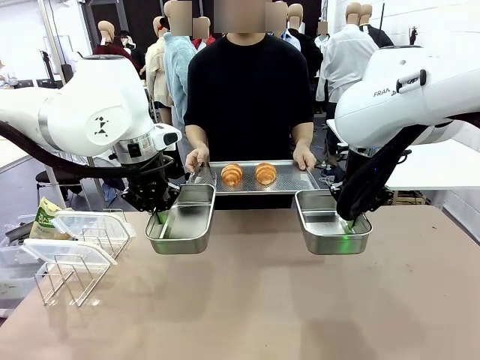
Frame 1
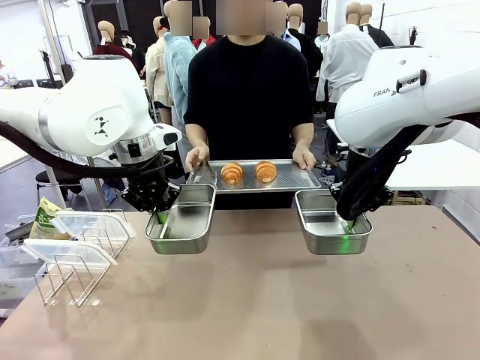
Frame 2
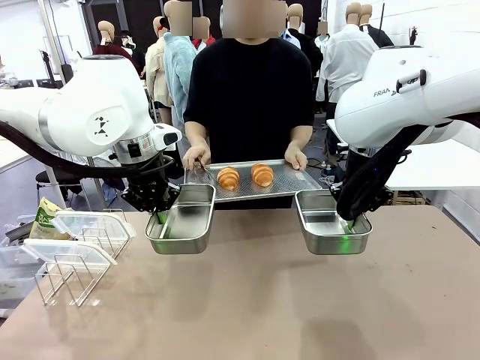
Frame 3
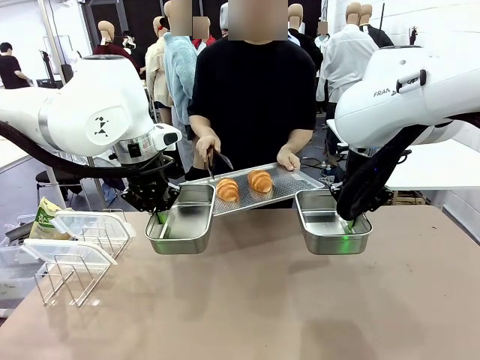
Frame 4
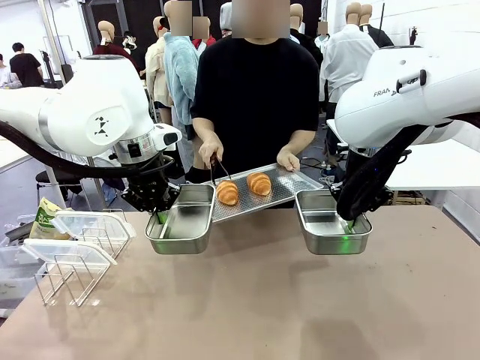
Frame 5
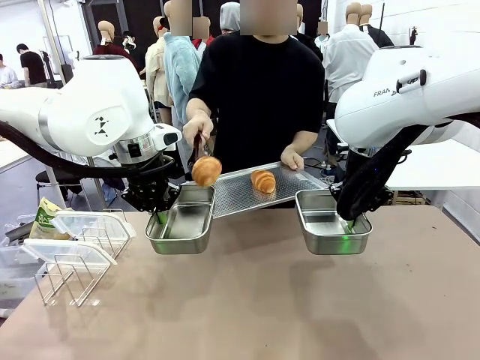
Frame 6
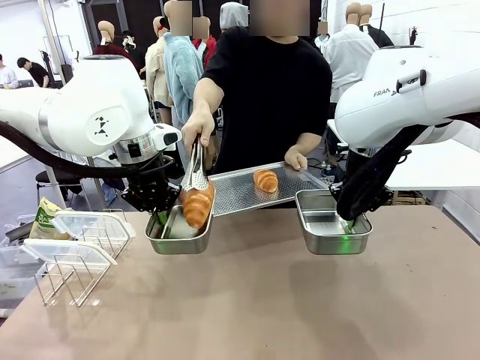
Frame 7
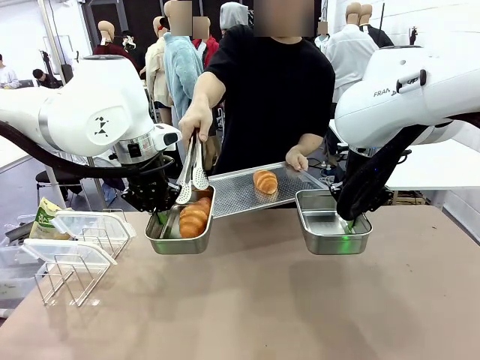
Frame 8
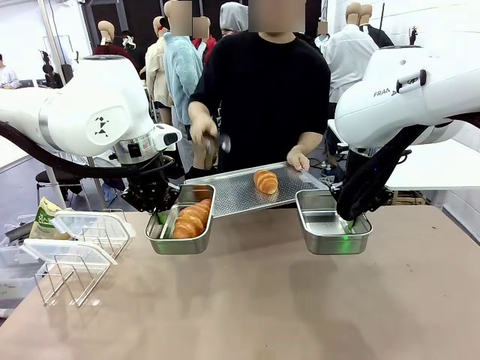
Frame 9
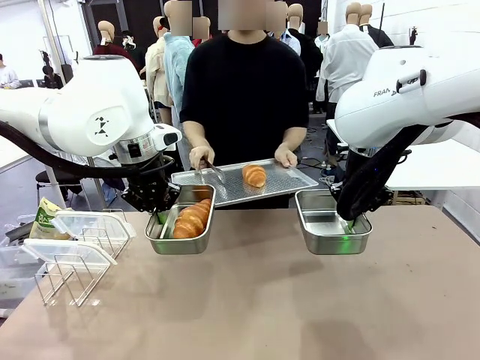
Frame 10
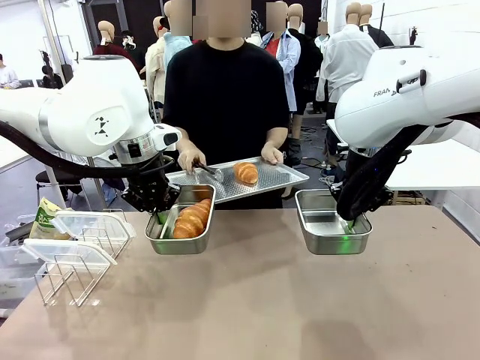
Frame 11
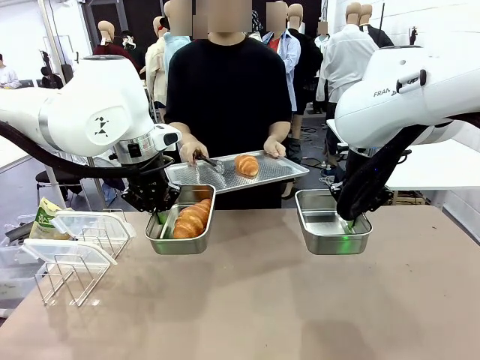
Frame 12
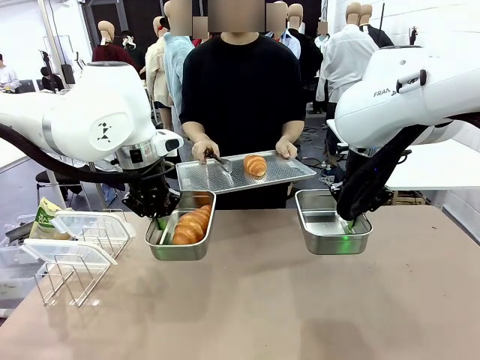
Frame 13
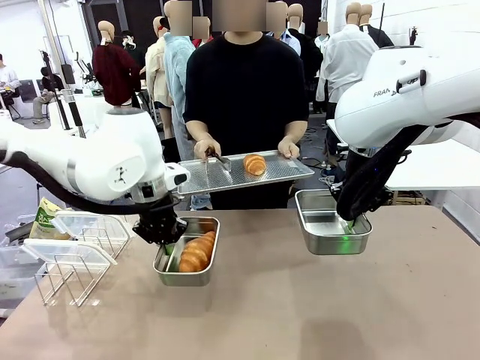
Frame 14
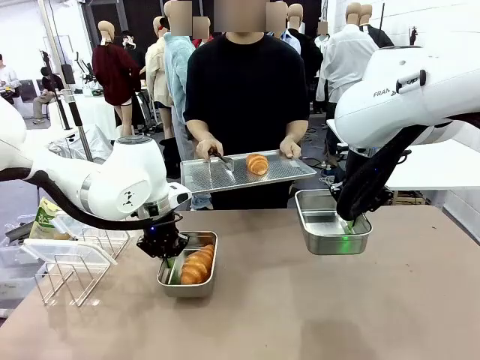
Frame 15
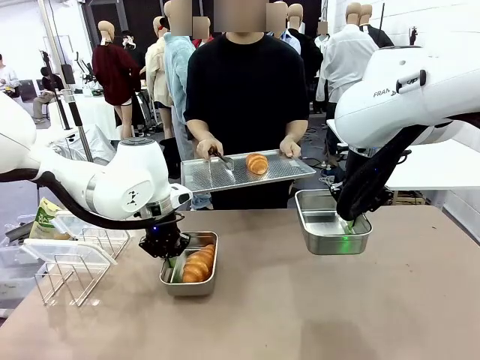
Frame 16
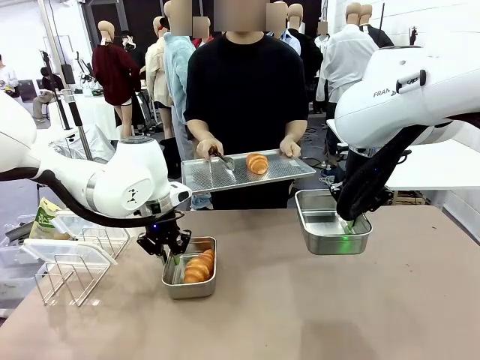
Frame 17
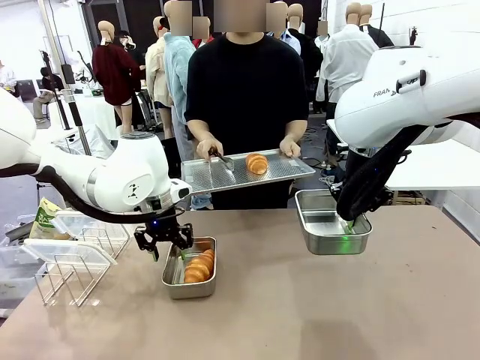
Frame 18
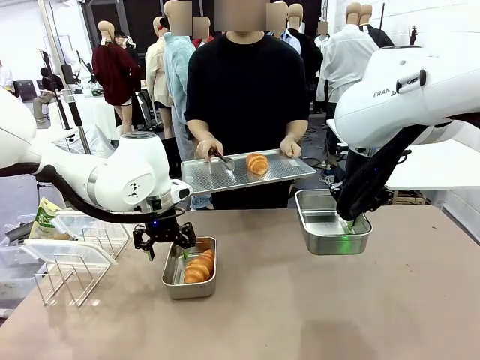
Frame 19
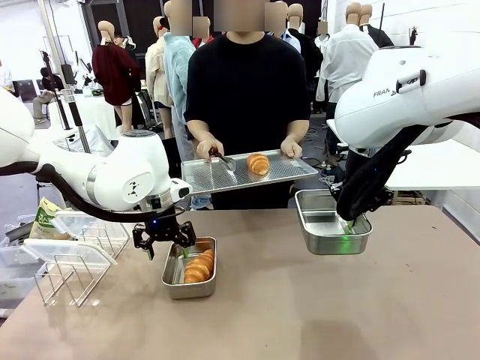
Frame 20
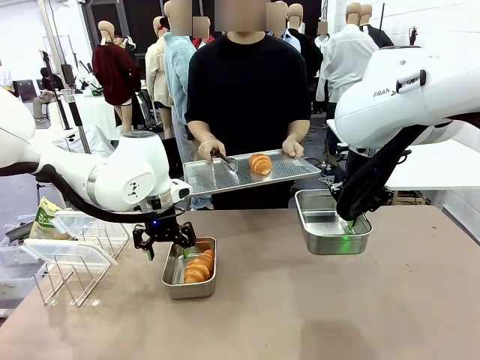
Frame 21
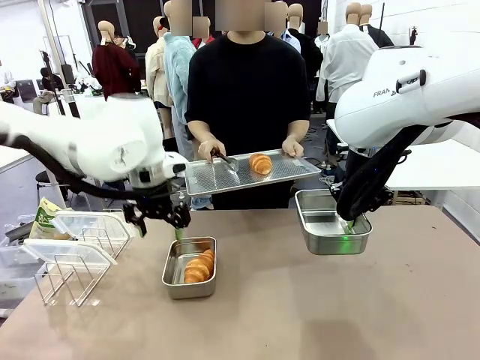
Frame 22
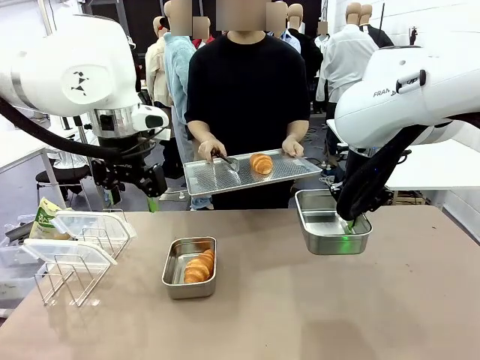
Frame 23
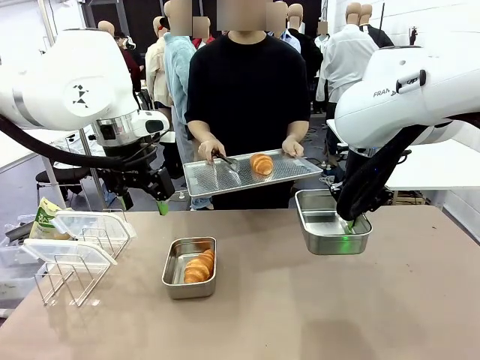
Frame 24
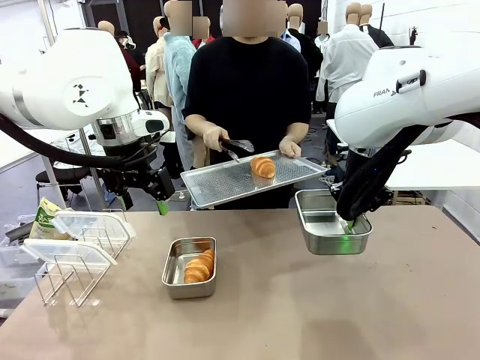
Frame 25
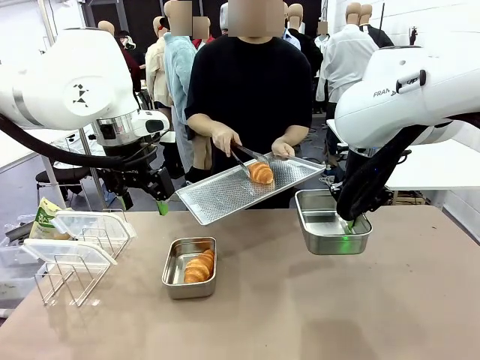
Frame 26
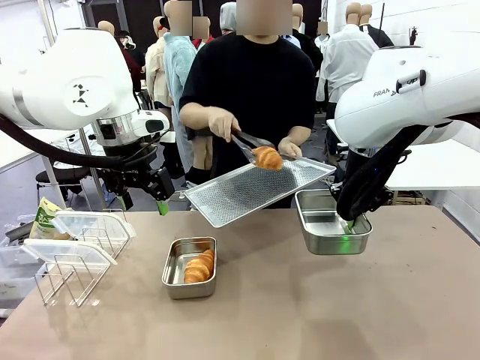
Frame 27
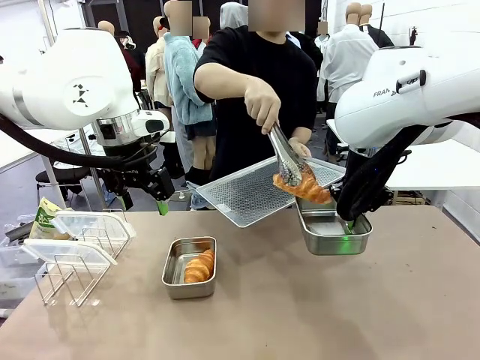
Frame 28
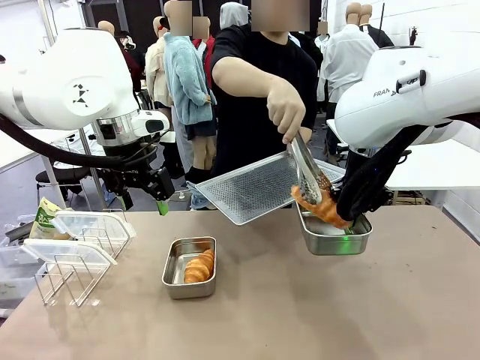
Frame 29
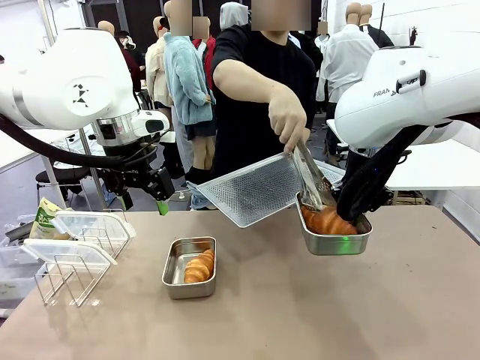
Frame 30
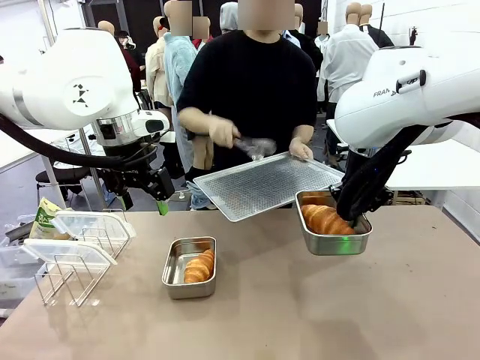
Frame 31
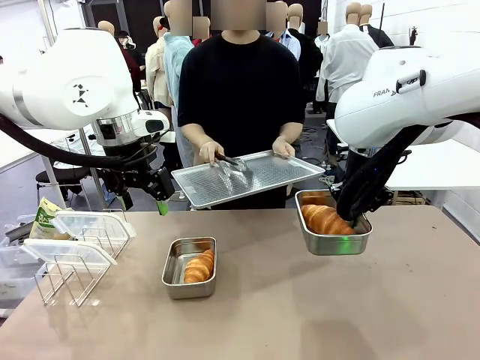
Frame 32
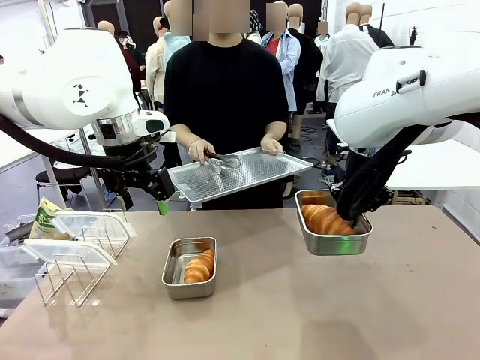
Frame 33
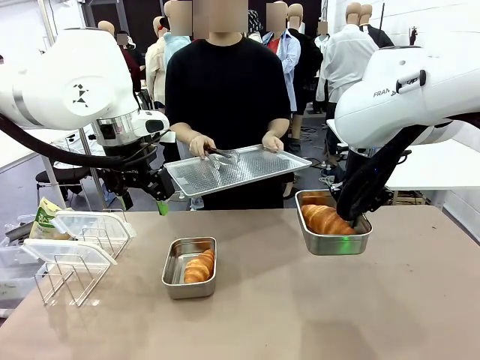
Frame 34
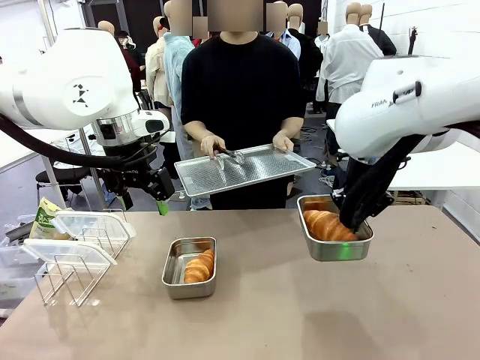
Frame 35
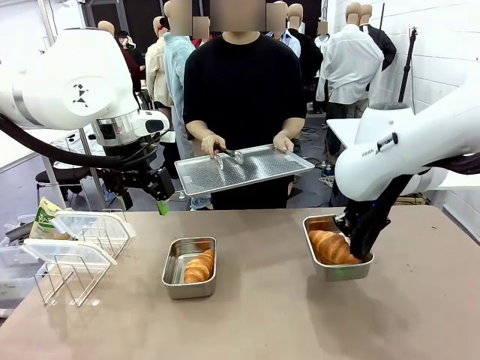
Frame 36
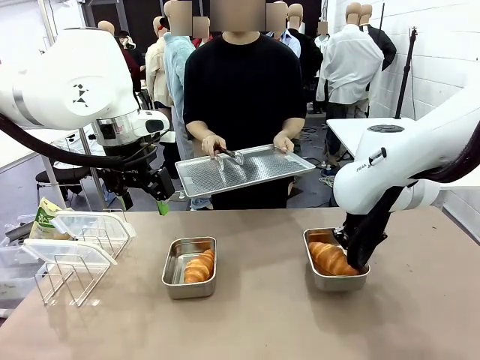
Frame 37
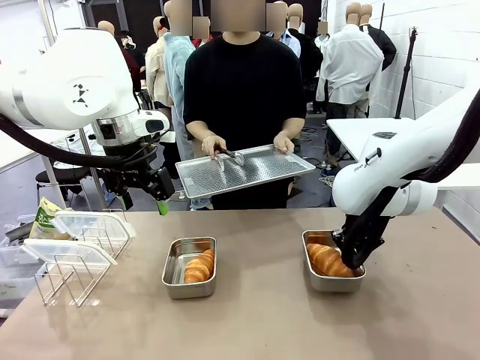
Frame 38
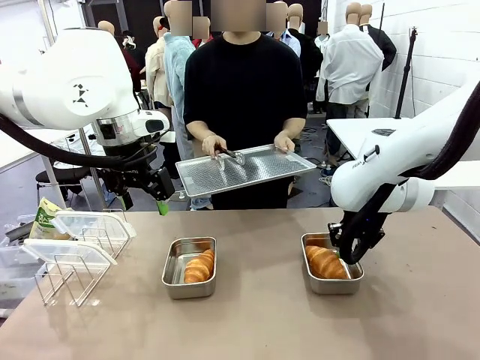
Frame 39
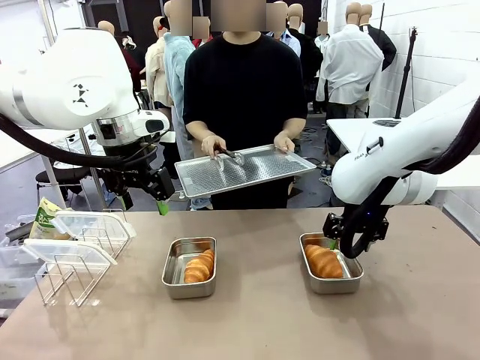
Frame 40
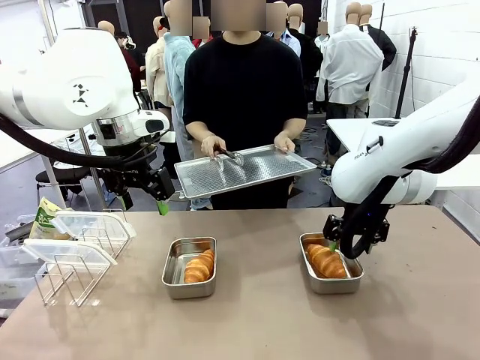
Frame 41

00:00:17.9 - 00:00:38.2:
Task: Place the bread in airtight containers.
Robot: Once an object is inside an Airtight Container , place the container in the center of the table.
Person: Use the Stainless steel tongs to place one object from Baking Sheet into one Airtight Container.

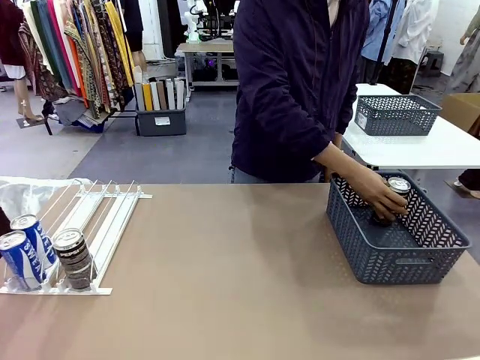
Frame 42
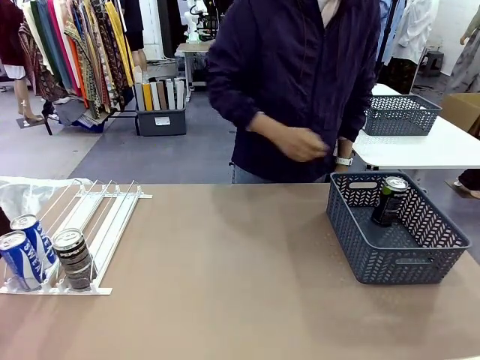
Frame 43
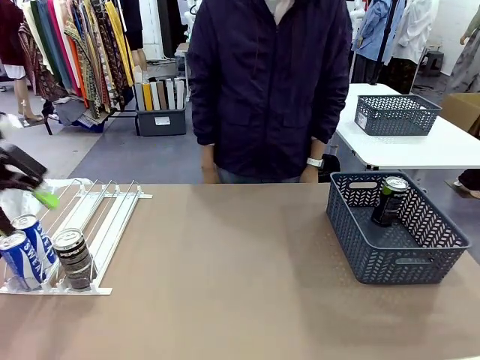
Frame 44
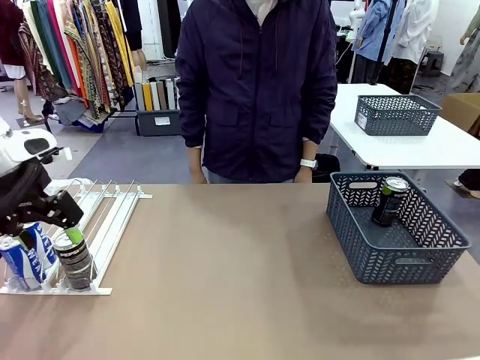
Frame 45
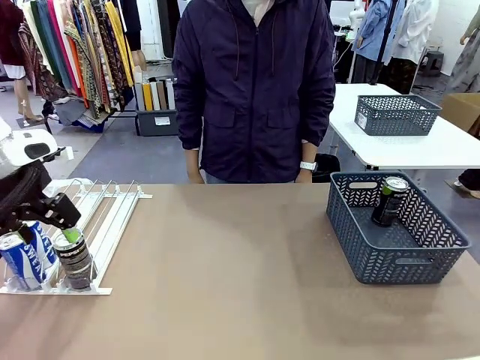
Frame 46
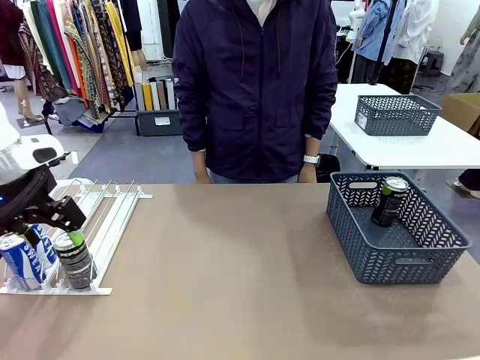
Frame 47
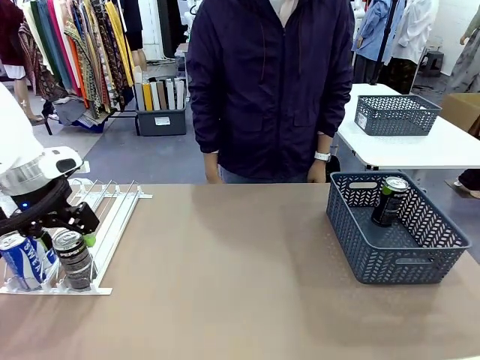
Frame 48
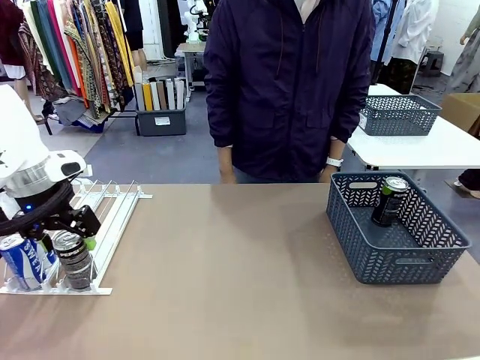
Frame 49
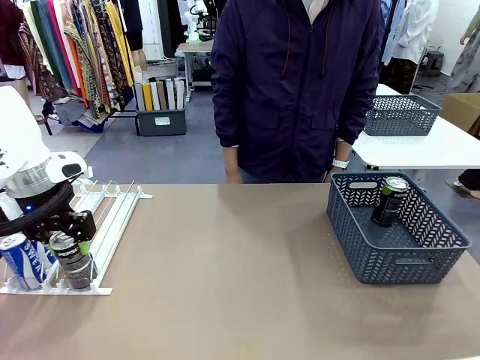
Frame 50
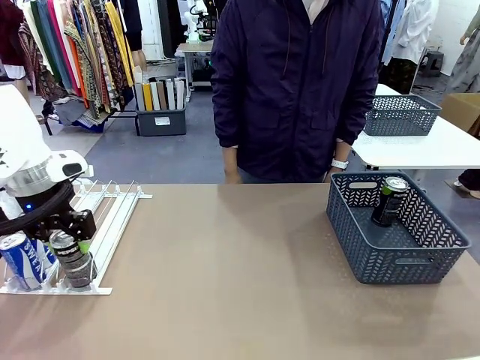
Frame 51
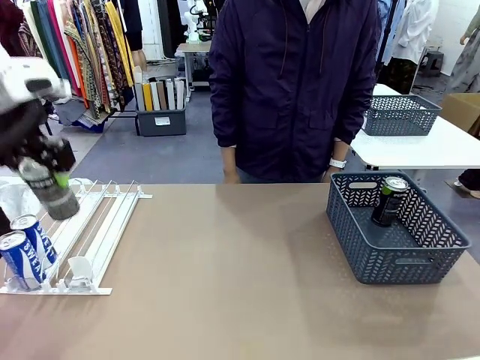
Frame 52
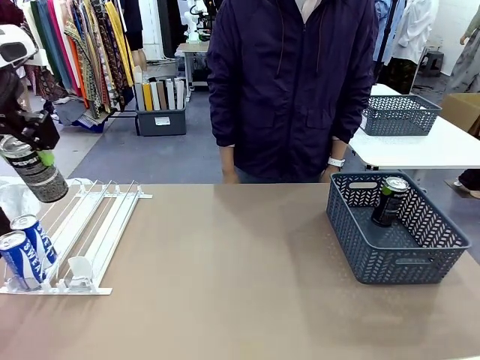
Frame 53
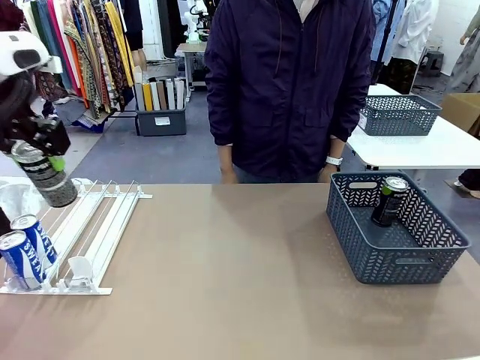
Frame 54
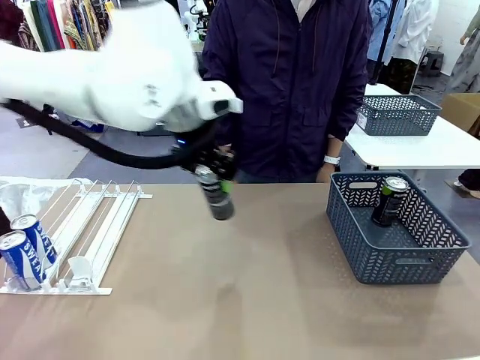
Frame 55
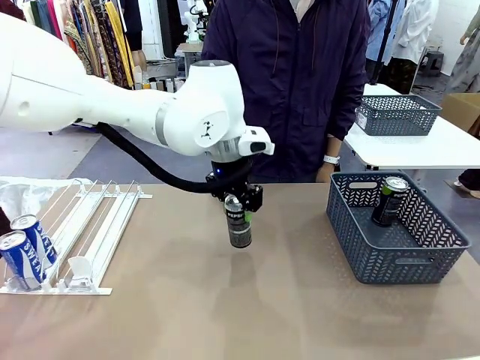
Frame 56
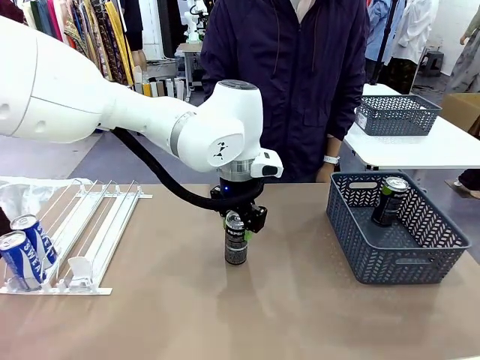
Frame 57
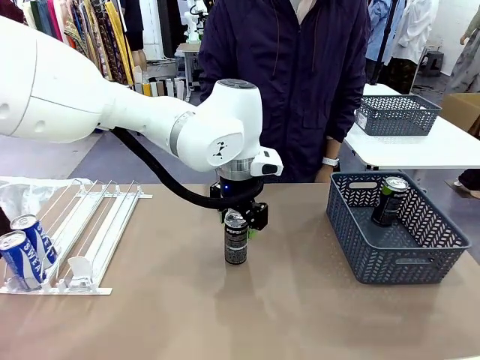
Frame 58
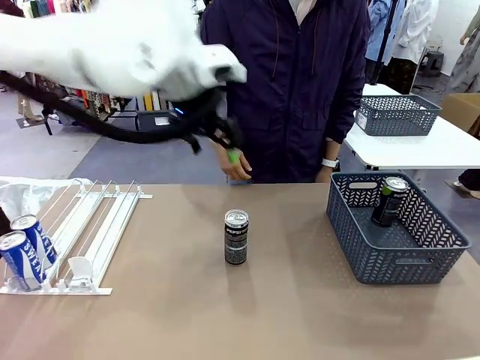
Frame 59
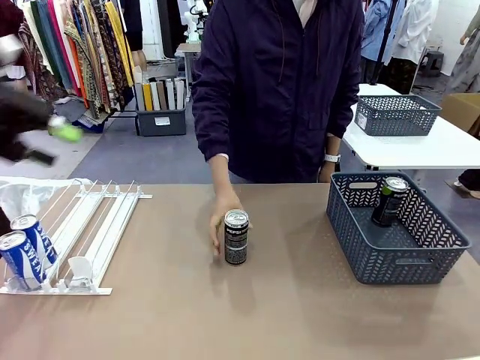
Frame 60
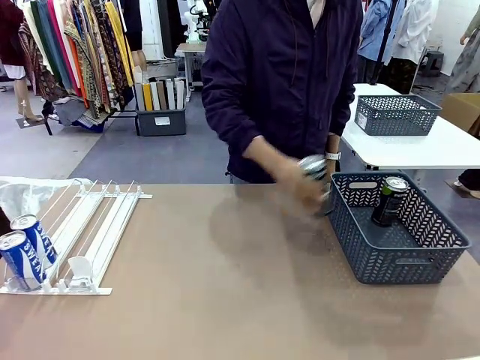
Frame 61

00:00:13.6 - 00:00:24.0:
Task: Retrieve and store the cans from the dispenser.
Robot: Pick up the last remaining can from one row of the Automatic Can Dispenser and place it in the middle of the table.
Person: Pick up one Pepsi can from the middle of the robot table and place it in the basket.
